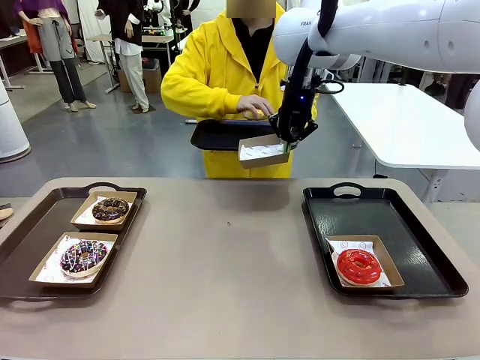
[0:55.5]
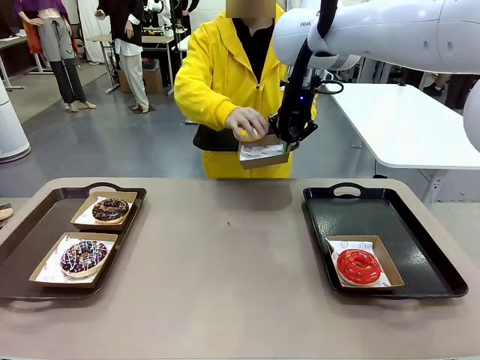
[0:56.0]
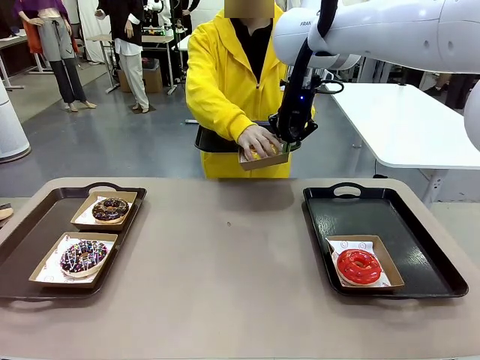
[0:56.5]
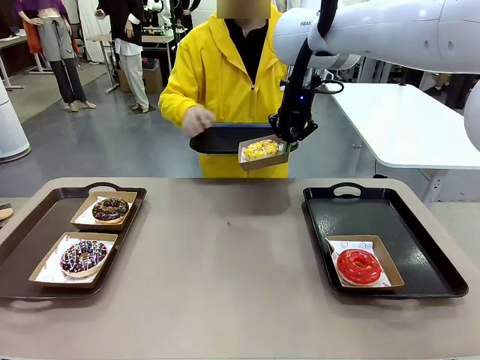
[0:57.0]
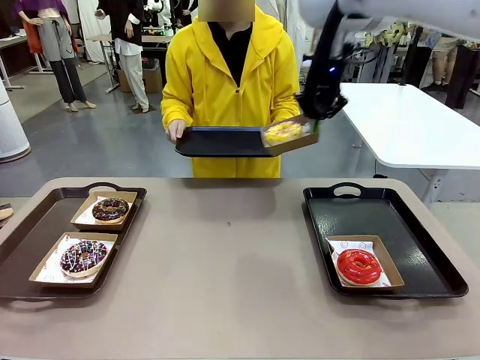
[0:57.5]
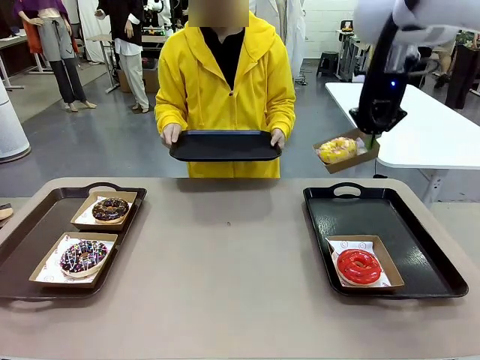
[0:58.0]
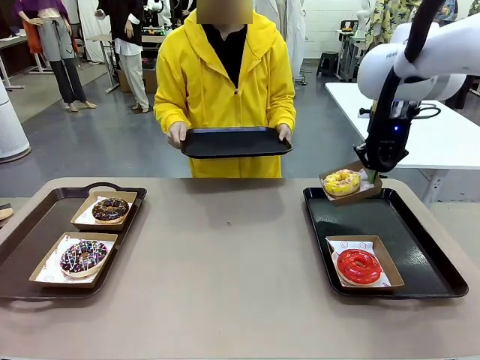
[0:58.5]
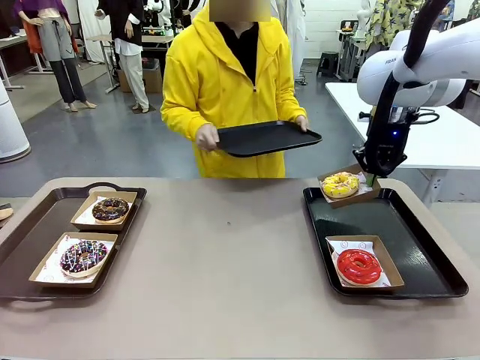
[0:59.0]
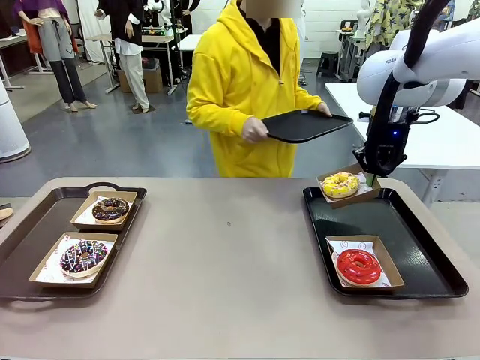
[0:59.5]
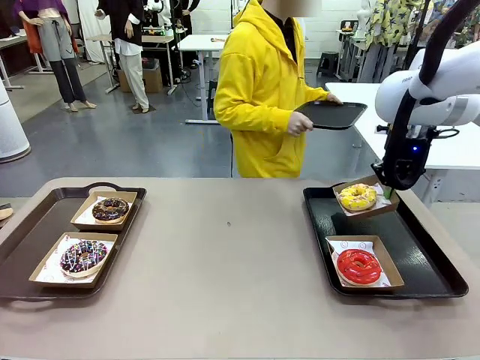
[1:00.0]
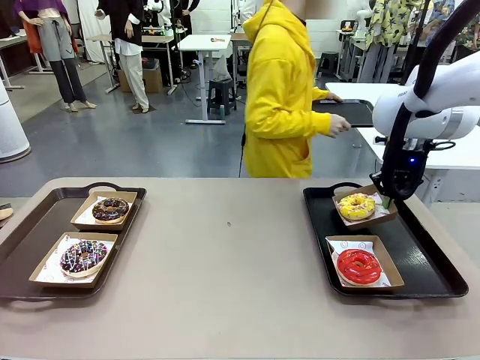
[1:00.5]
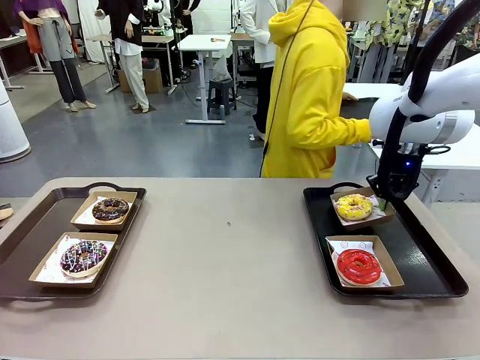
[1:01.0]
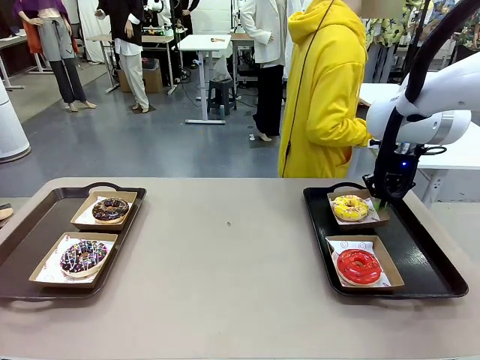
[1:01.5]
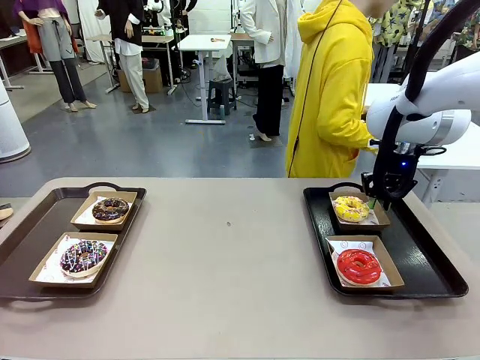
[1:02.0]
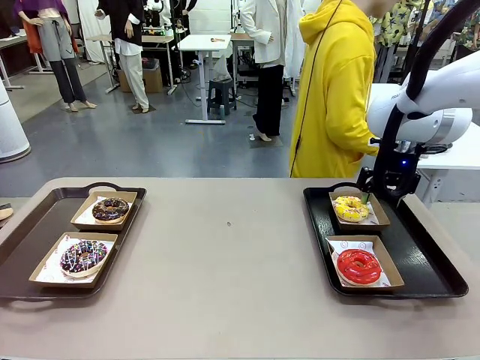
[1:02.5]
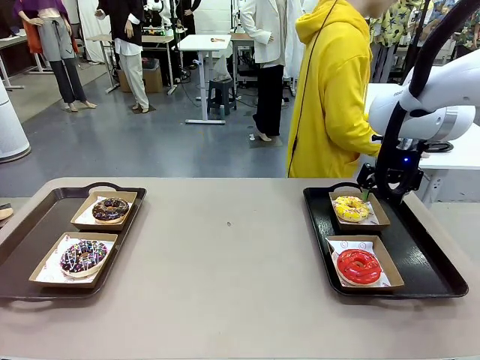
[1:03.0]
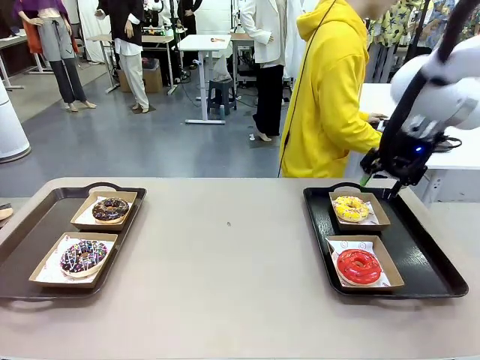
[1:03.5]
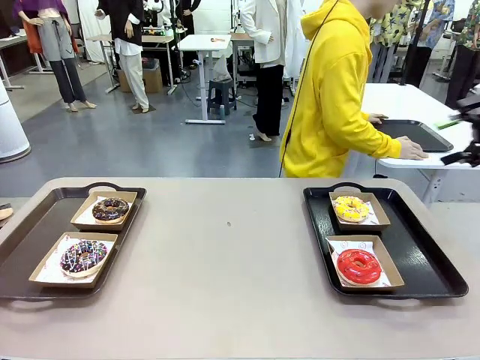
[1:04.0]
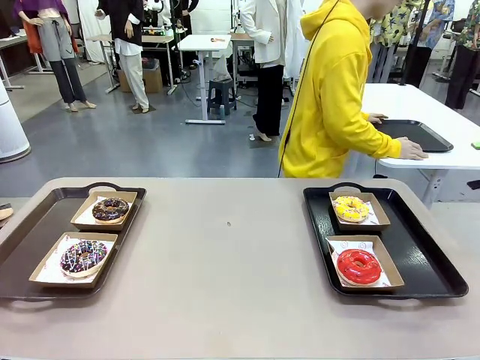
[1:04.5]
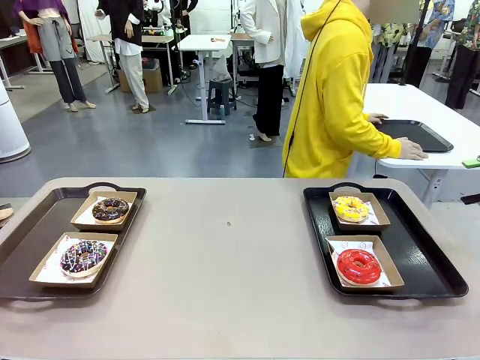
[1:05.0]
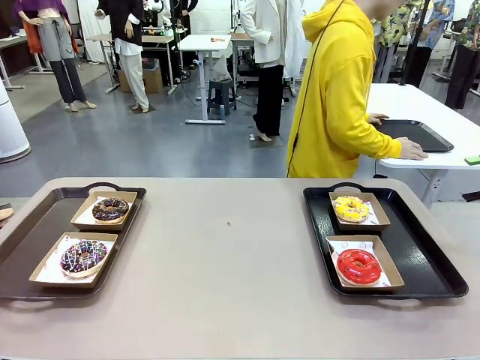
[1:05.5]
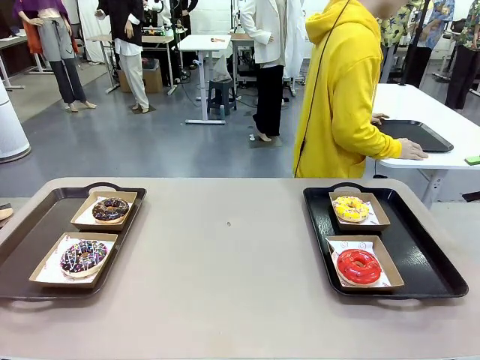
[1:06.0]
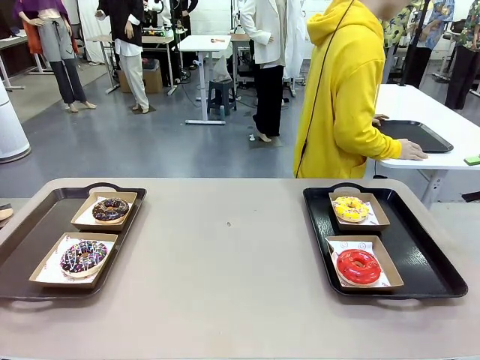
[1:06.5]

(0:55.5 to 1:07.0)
Task: Individually package the donuts and arrange them on the tray.
Robot: Place the picked Paper togo box on the Handle tray.
Person: Place the tray down in the middle of the human table.

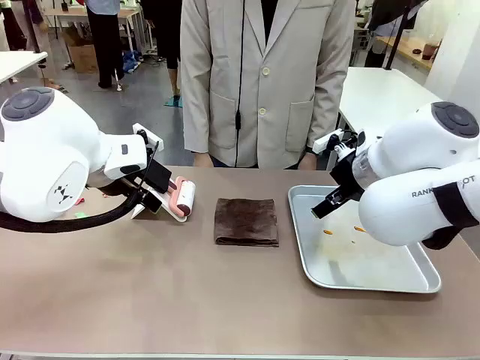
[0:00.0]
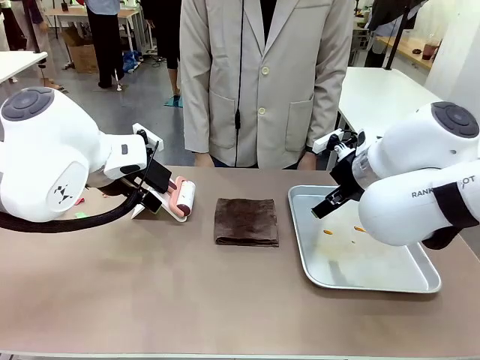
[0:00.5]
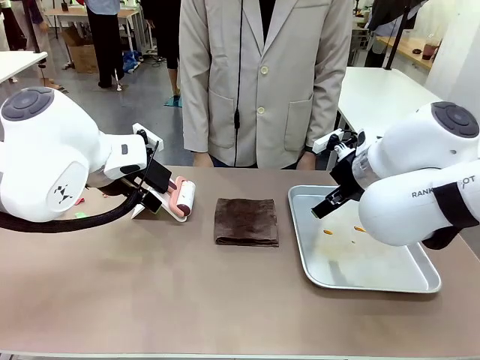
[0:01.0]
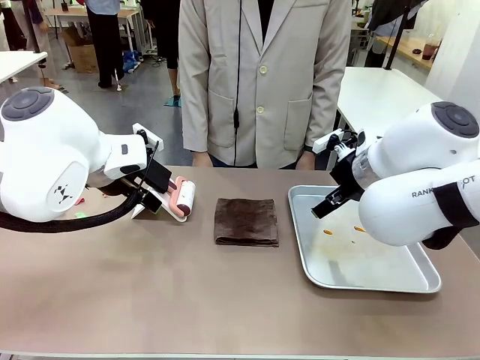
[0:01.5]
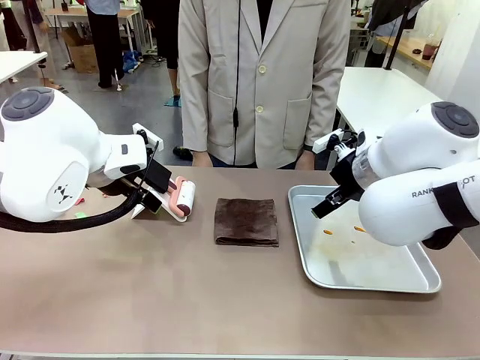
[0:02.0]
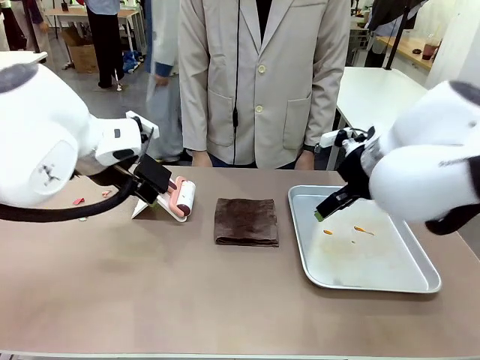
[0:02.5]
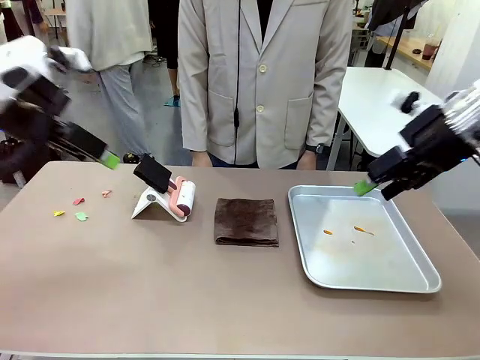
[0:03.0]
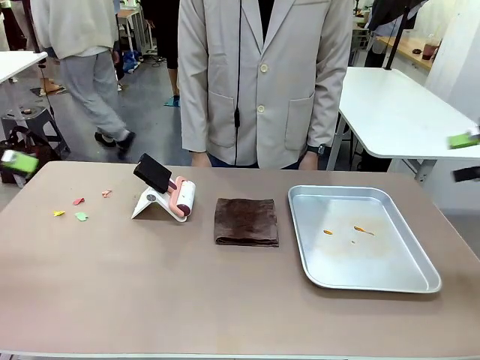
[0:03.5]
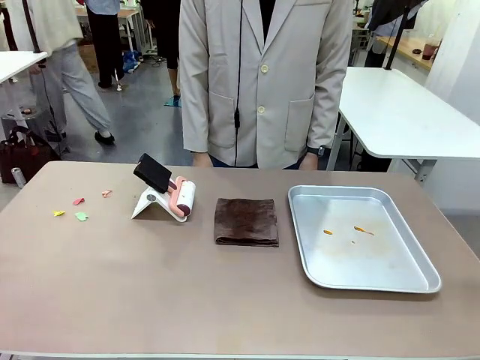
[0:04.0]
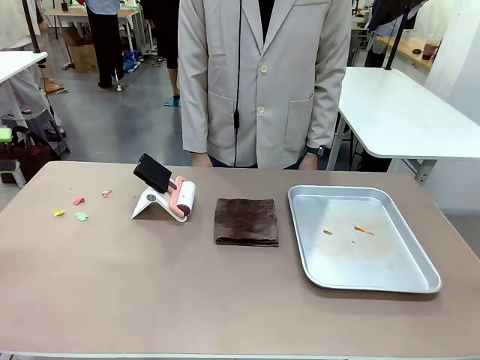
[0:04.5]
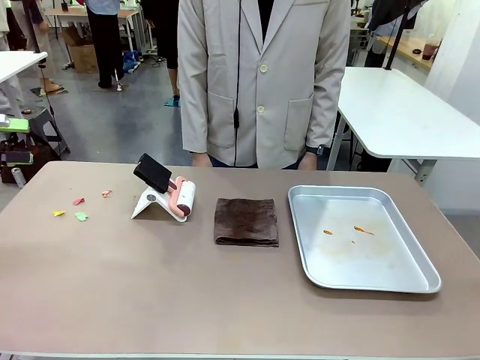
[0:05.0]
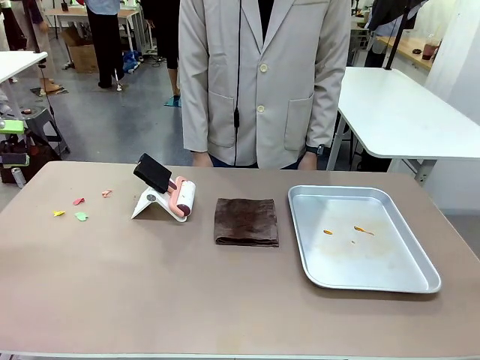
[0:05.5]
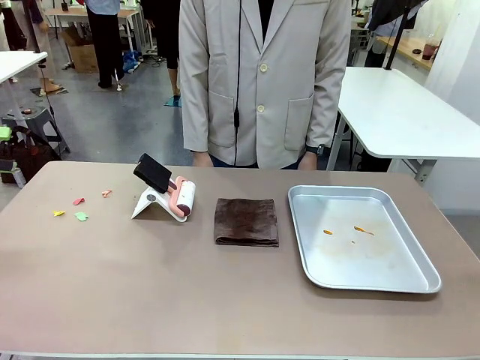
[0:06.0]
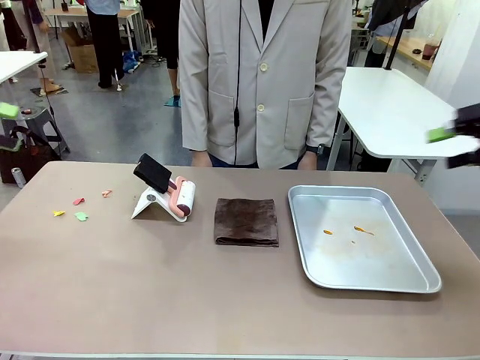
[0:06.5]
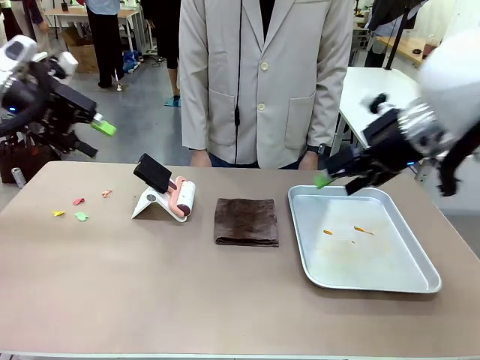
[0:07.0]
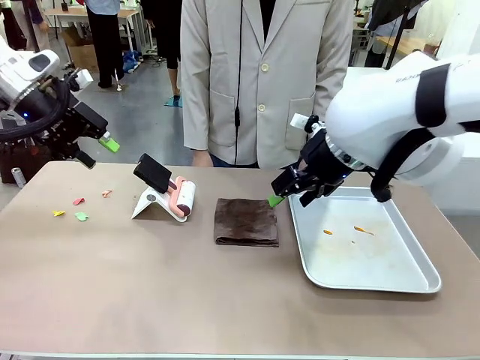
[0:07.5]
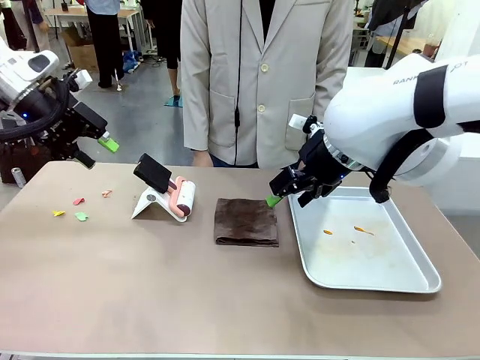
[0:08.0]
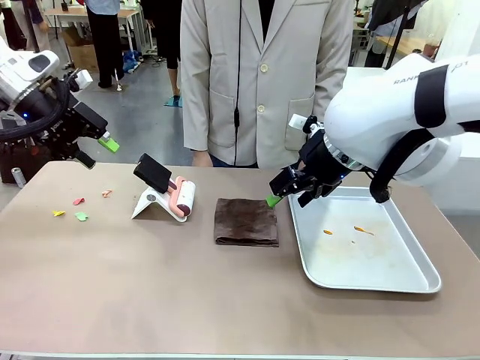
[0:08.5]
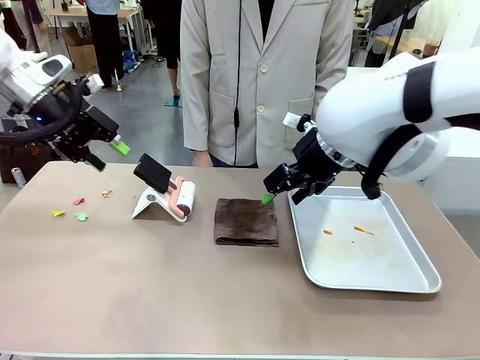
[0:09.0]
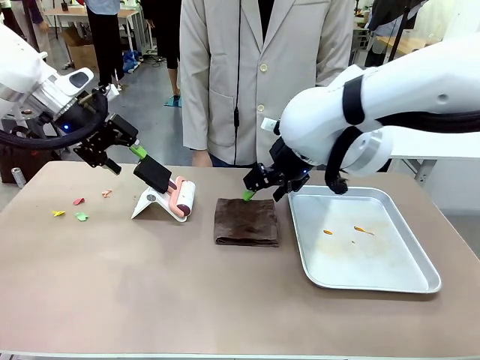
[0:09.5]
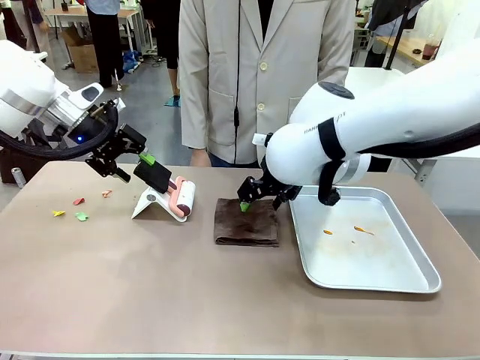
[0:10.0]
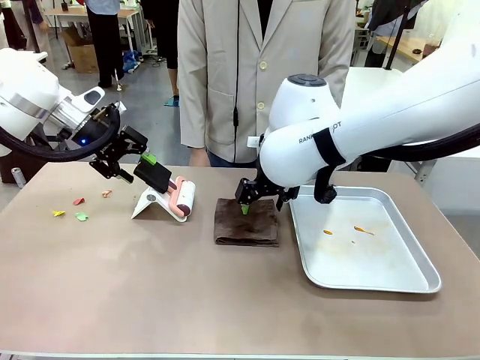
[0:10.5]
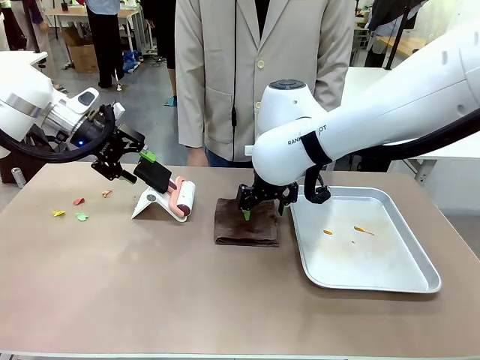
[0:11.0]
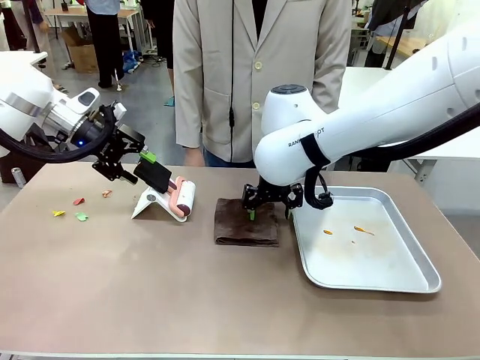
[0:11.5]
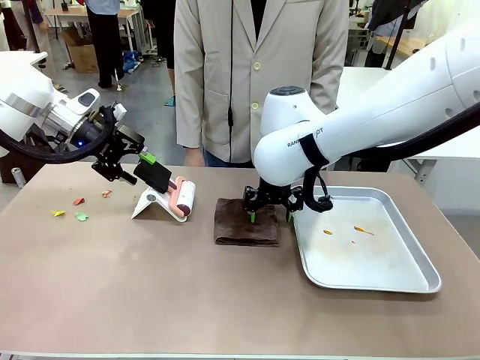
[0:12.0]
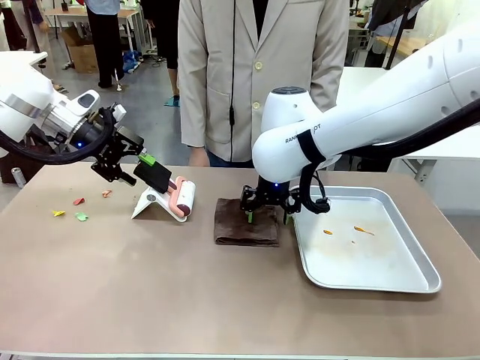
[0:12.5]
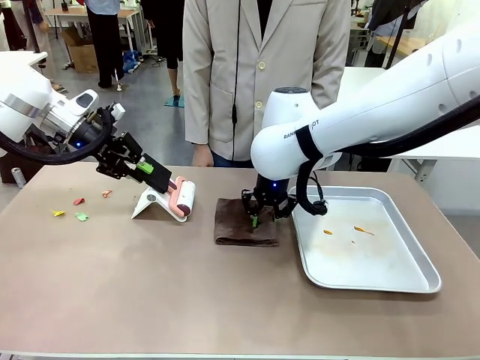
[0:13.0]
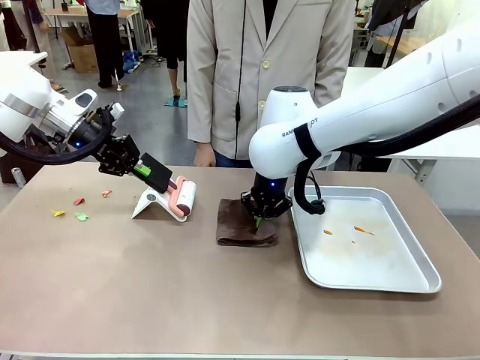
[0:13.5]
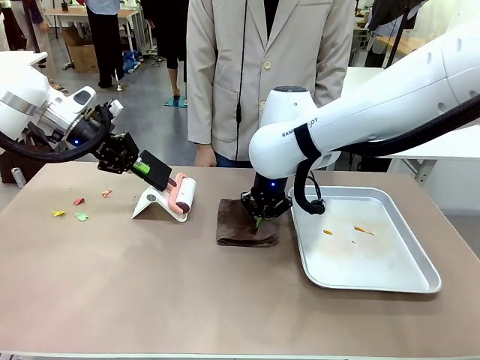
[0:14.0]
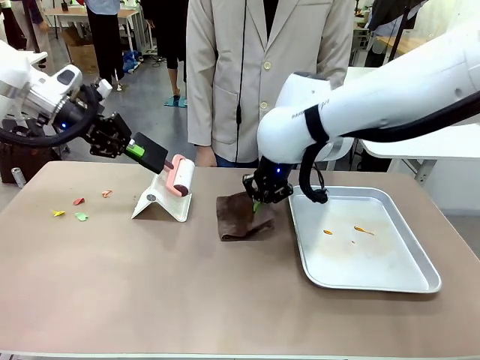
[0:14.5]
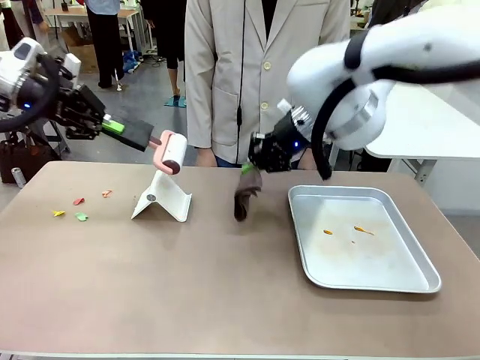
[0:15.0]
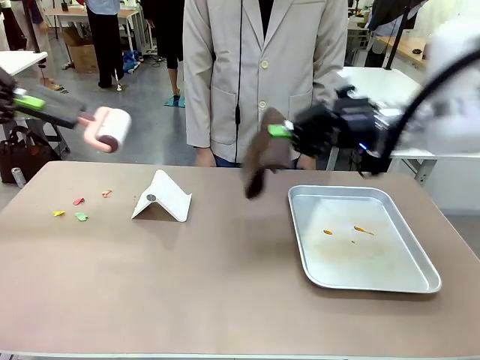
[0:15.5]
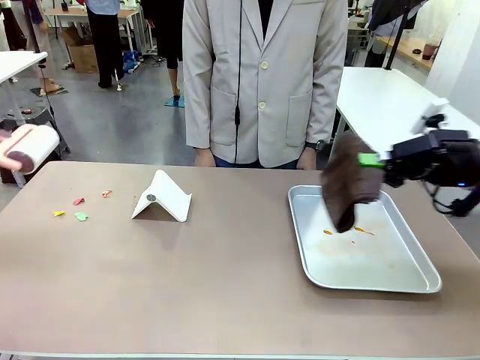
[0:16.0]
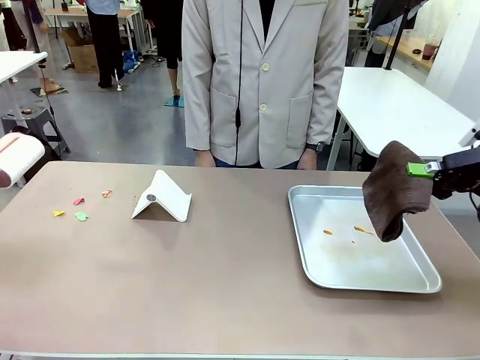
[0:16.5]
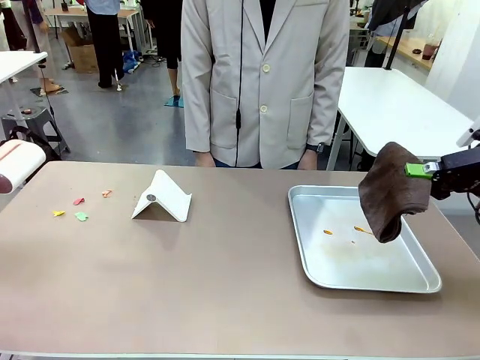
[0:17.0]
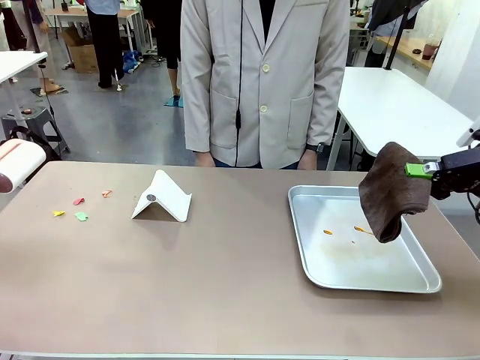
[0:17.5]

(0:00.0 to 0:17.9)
Task: Clean the surface of the table.
Robot: Hold the Lint Roller with your left hand and the towel with your right hand.
